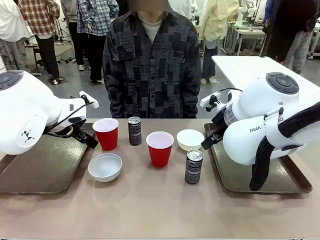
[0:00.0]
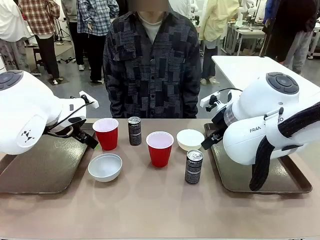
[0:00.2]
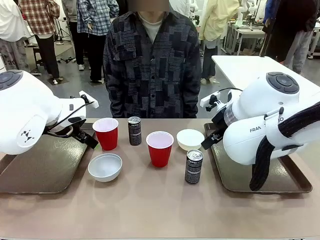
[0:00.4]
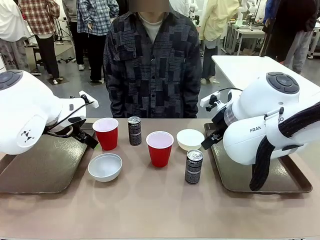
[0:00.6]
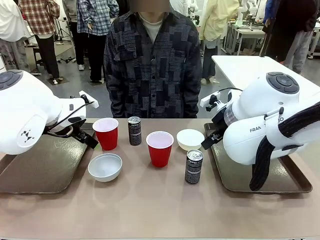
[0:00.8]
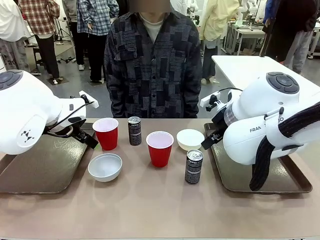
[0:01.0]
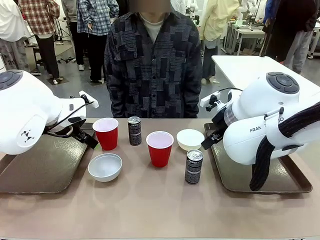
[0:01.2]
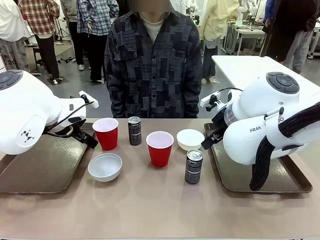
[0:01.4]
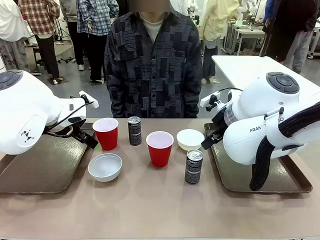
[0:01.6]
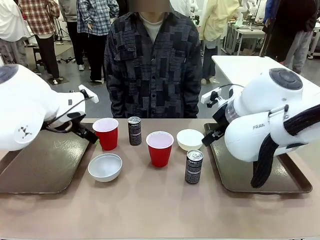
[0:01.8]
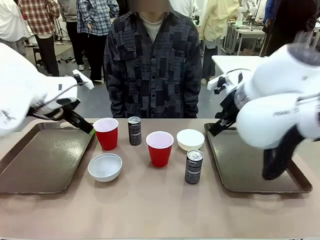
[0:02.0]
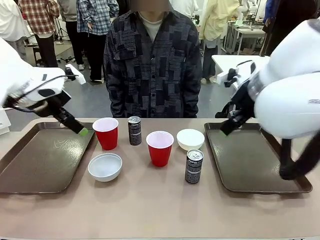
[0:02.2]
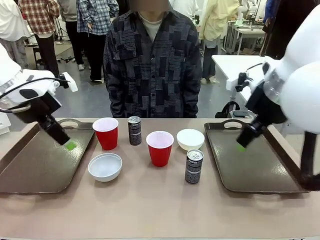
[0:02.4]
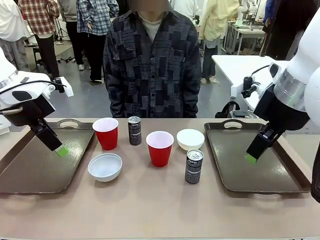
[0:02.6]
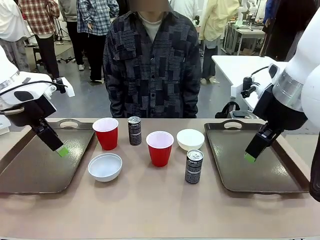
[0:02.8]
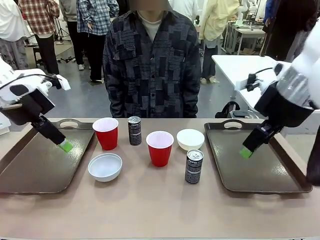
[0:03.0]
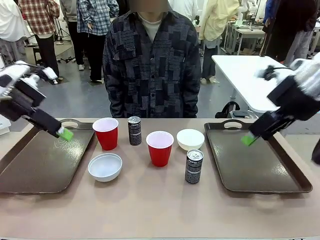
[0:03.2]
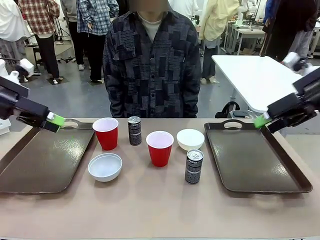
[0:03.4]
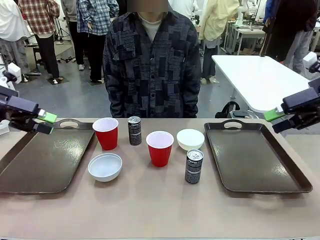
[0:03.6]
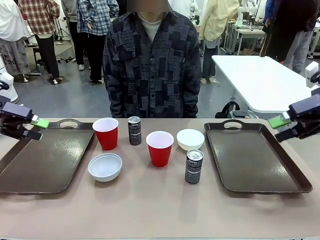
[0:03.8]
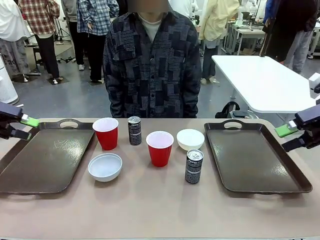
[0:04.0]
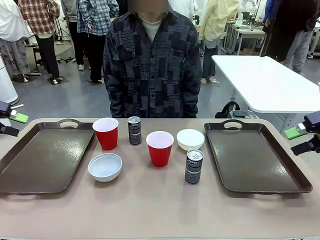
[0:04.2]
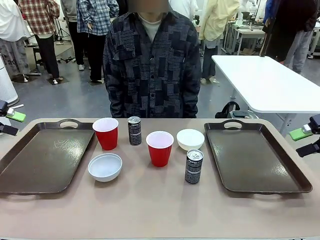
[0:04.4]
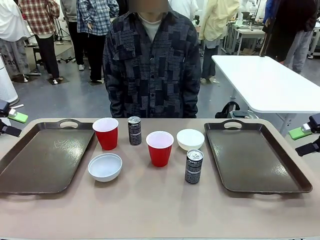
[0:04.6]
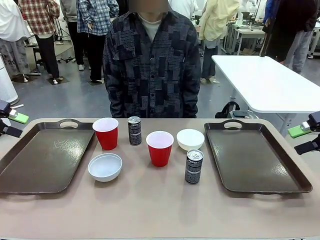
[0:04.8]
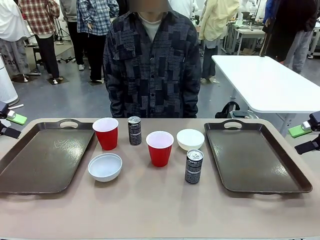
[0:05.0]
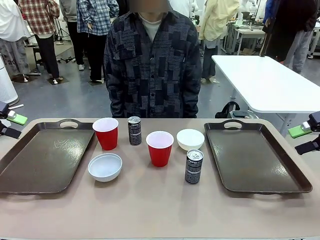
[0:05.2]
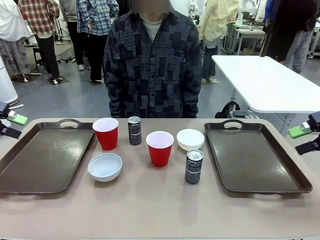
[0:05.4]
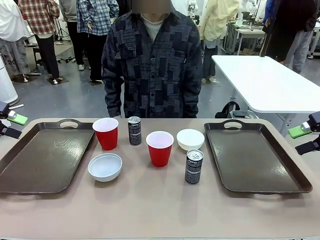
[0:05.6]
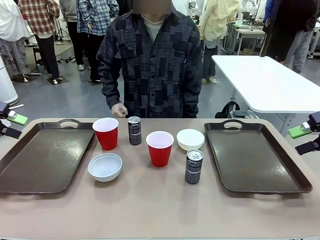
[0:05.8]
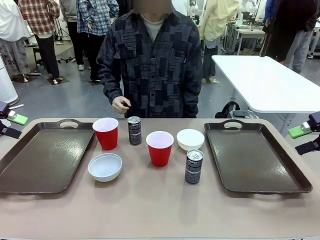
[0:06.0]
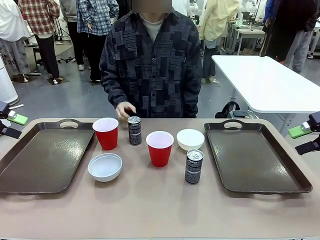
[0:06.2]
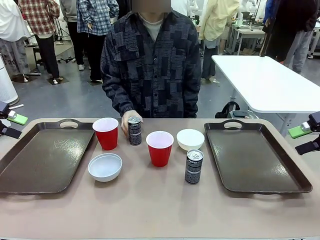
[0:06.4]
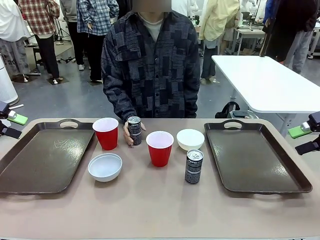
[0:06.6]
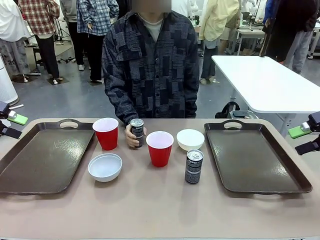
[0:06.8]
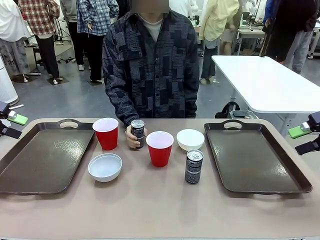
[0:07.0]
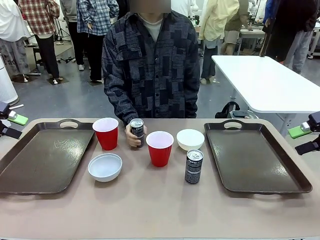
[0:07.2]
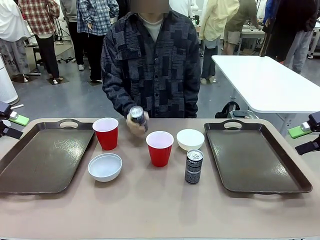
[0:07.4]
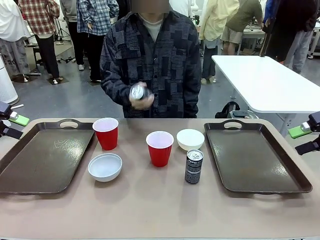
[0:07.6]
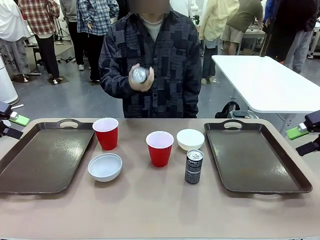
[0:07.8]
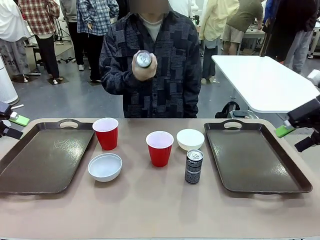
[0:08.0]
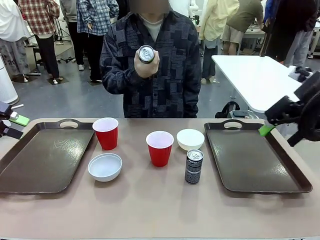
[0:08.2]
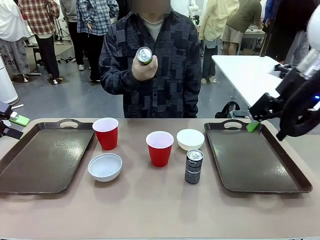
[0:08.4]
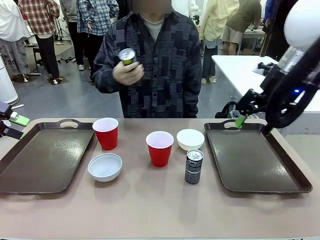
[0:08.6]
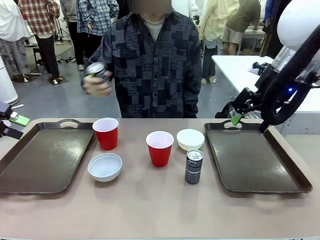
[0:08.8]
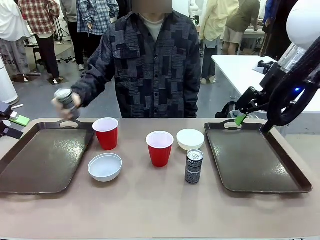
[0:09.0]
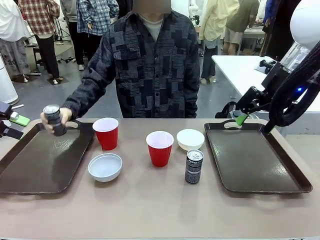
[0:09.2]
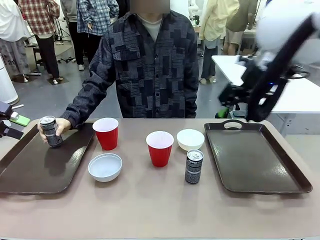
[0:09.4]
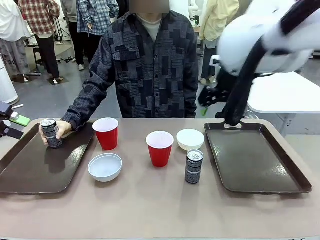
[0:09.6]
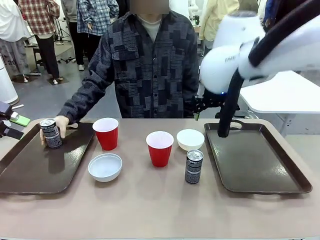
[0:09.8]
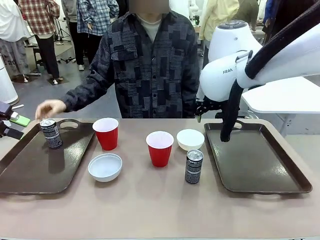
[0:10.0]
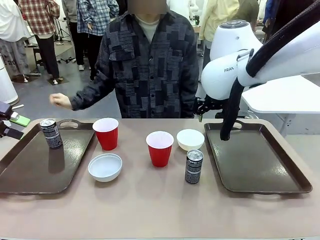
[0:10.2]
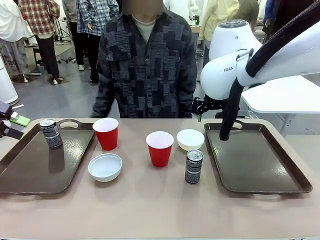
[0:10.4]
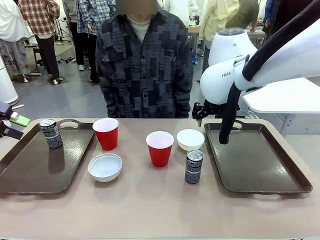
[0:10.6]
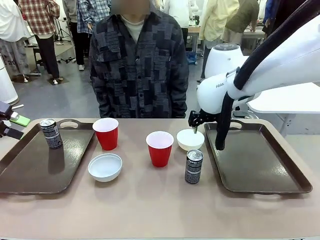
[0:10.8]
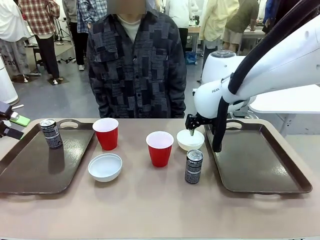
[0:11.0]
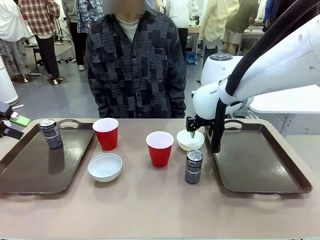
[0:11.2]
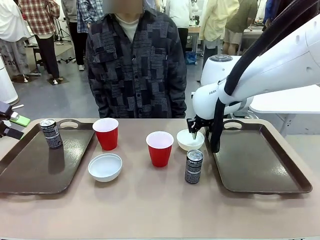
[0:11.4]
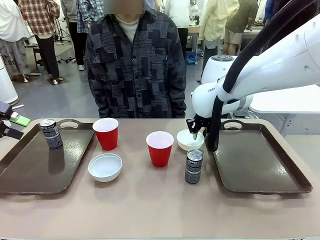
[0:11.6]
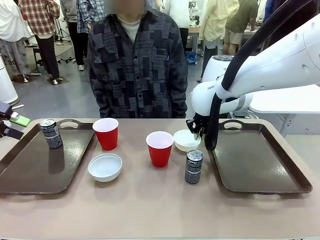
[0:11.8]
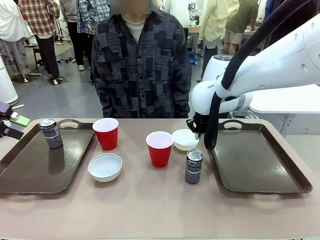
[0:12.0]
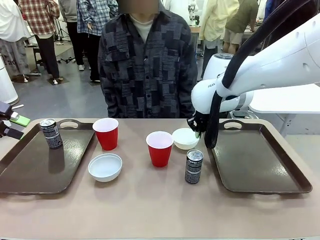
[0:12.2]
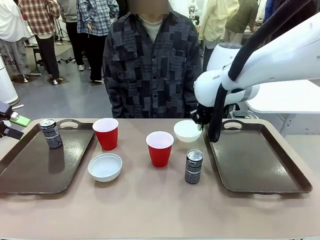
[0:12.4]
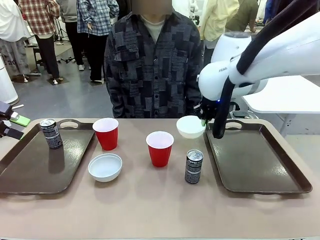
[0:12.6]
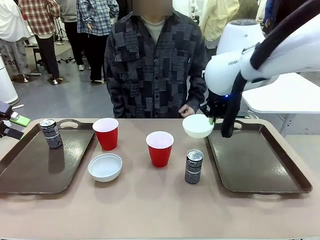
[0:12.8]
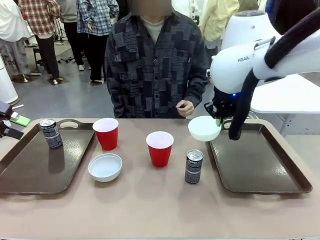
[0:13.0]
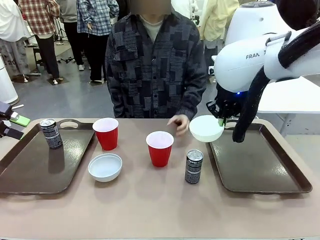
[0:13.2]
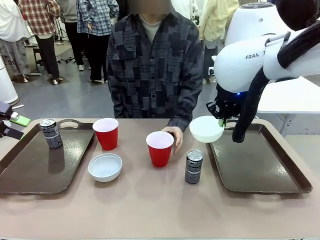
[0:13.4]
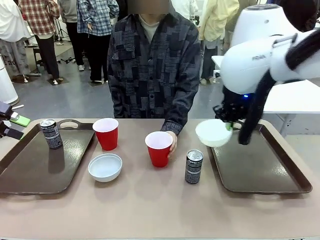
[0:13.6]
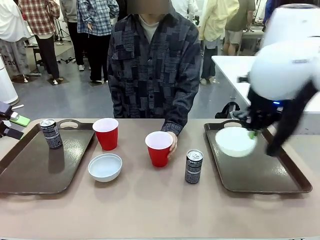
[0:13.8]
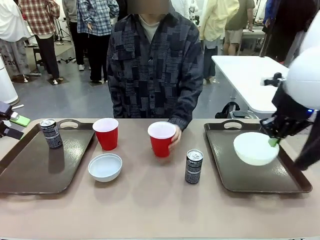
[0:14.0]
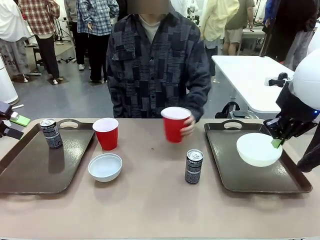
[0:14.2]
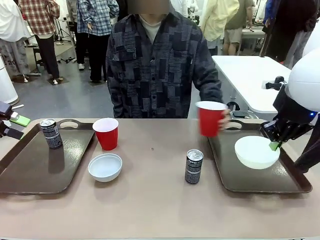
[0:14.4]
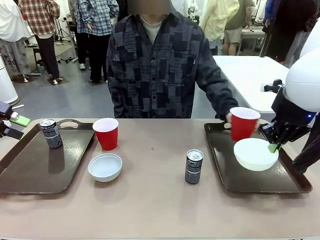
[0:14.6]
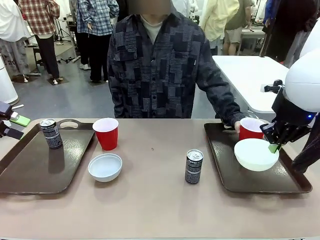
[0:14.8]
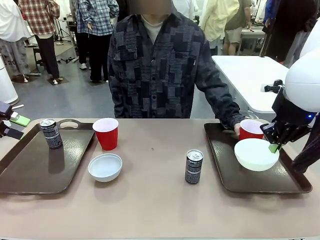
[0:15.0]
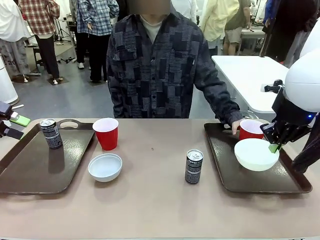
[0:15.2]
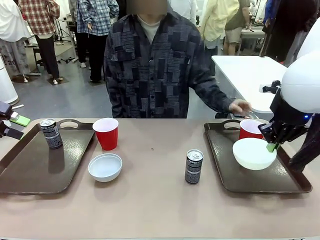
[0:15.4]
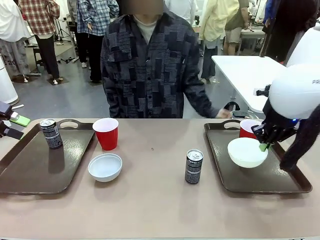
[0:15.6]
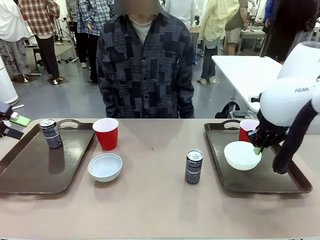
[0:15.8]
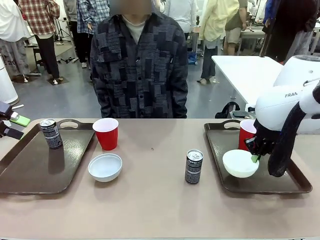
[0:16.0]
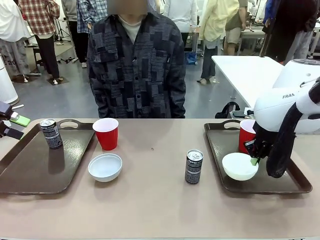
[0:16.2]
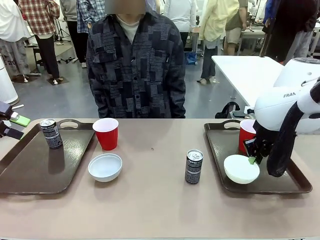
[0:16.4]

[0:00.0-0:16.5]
Task: Prepare tableware on both trays.
Robot: Pick up a Picnic Bowl from the table and place it on a Handle tray.
Person: Pick up a can or cup and place it on the tray.
